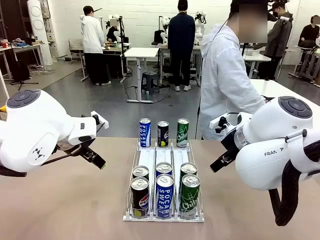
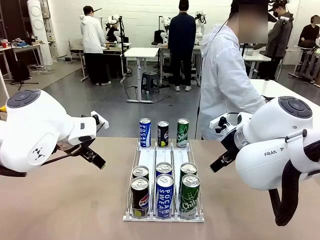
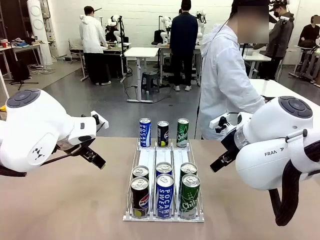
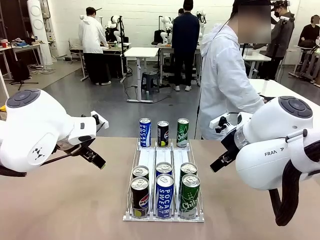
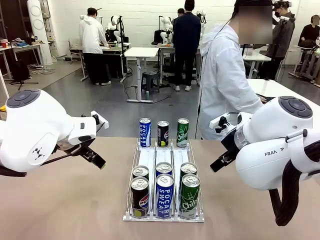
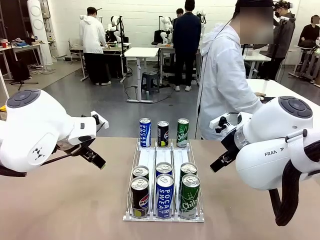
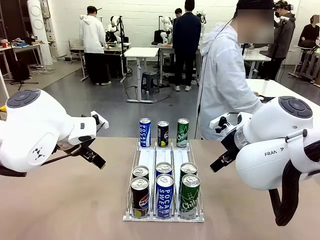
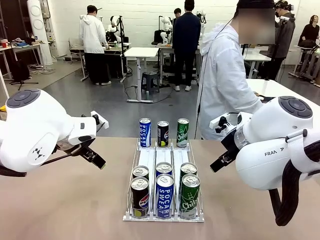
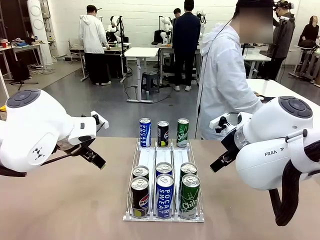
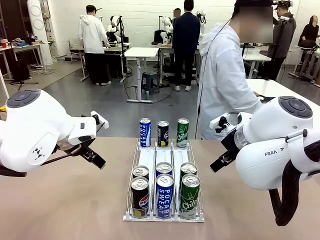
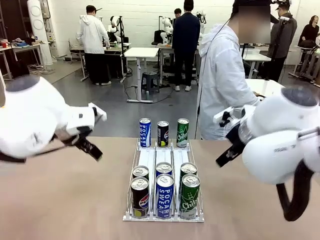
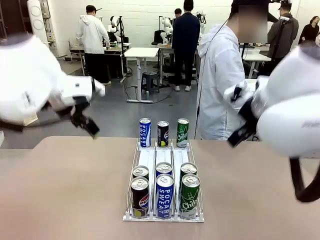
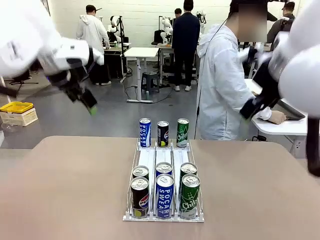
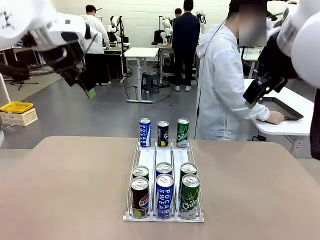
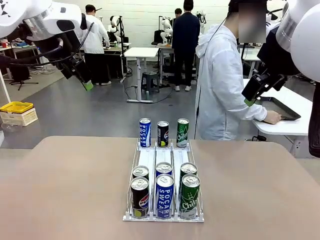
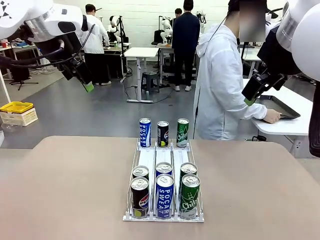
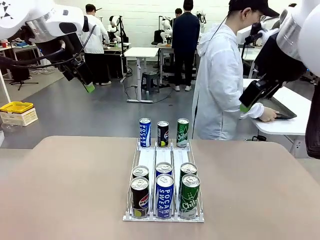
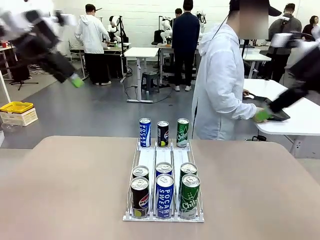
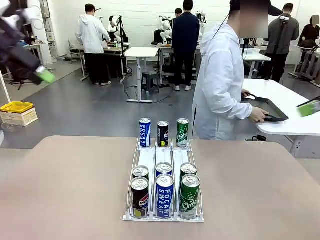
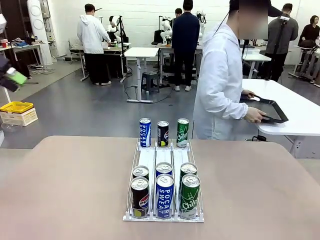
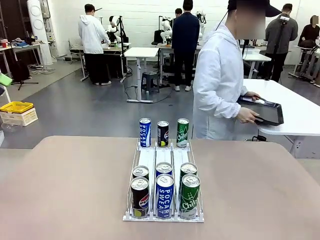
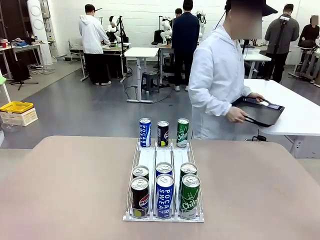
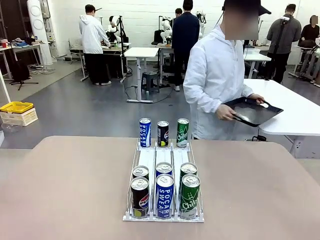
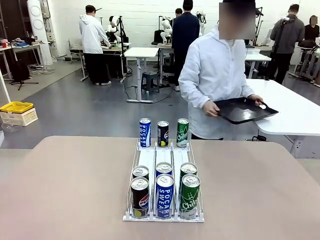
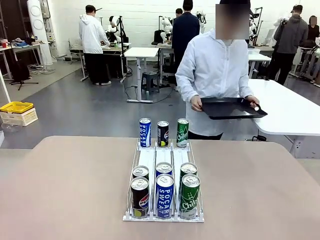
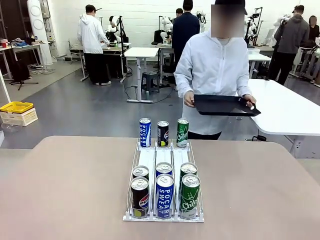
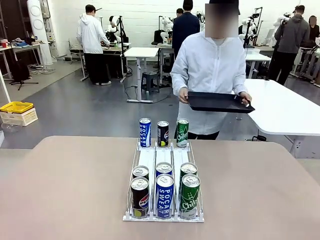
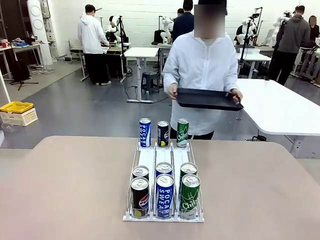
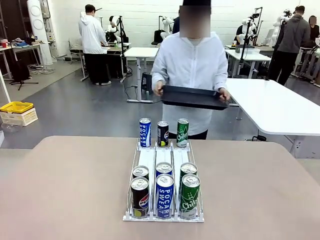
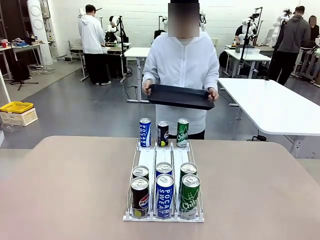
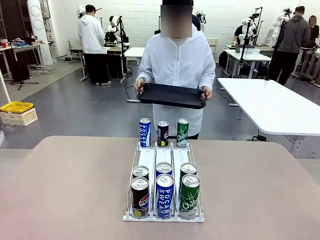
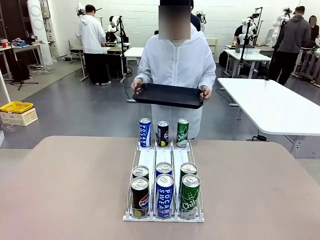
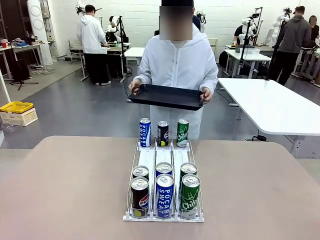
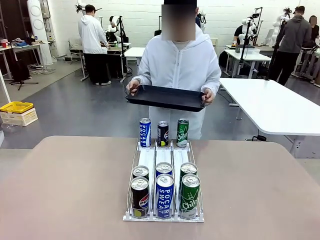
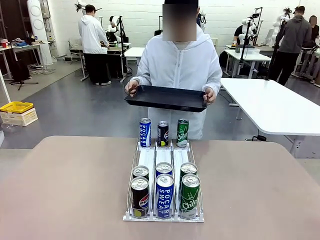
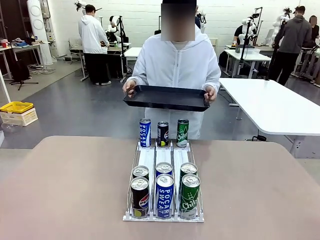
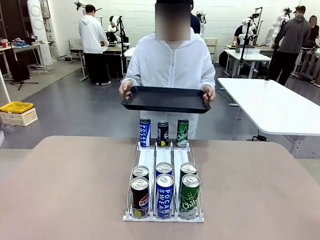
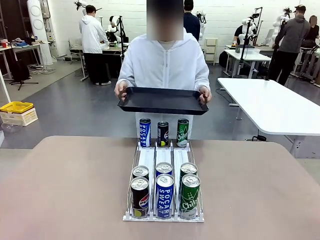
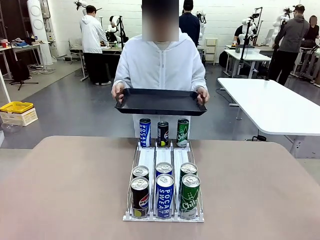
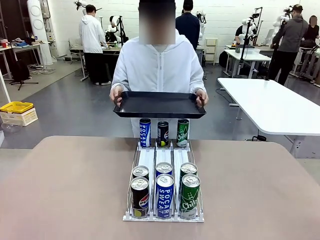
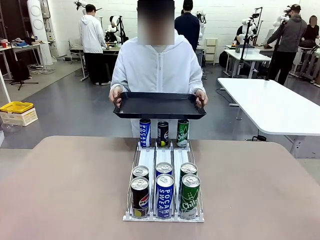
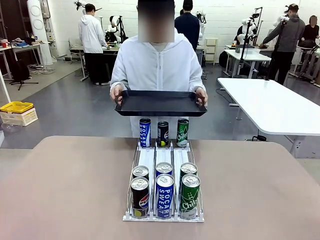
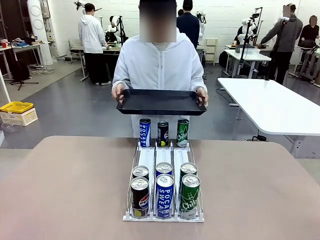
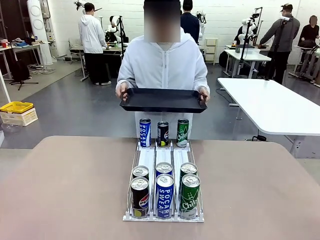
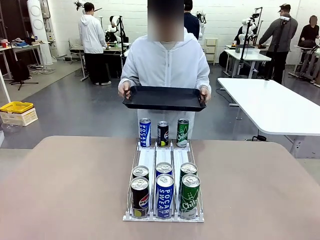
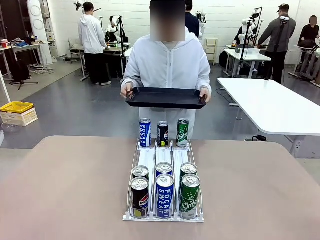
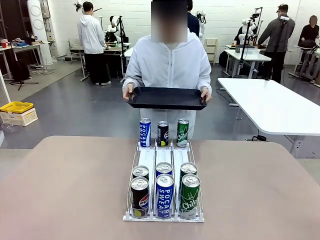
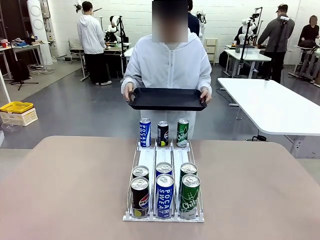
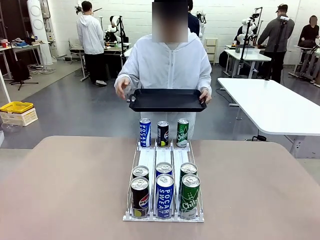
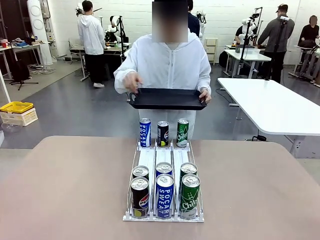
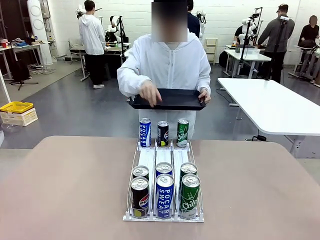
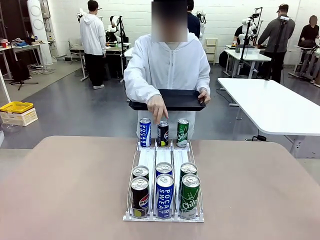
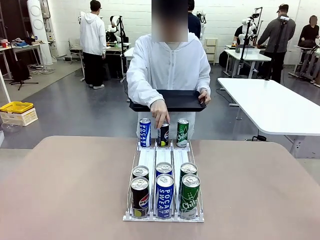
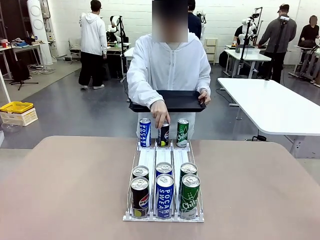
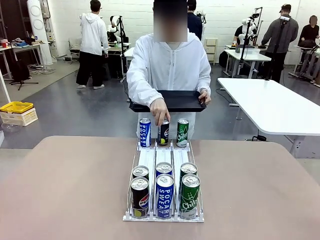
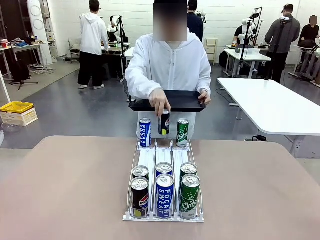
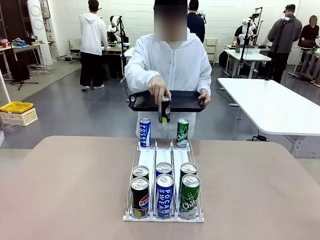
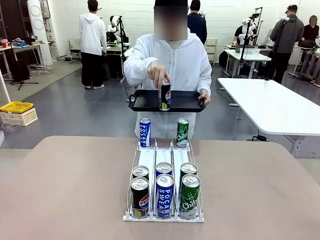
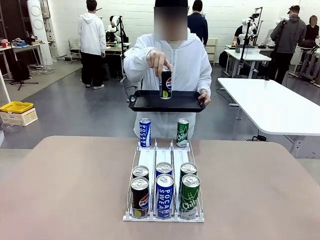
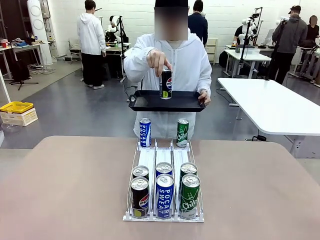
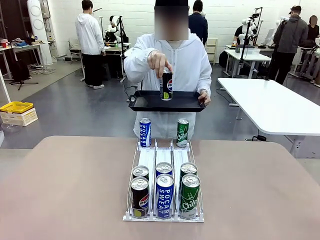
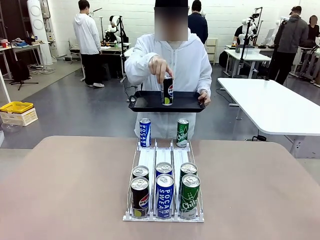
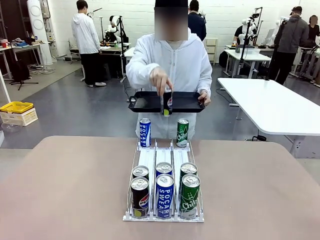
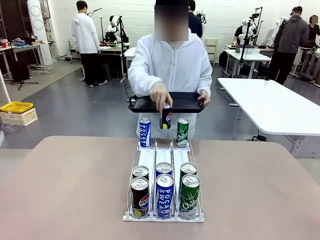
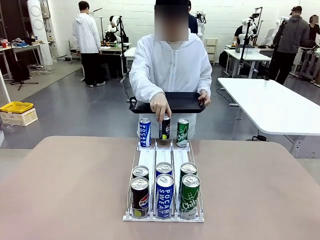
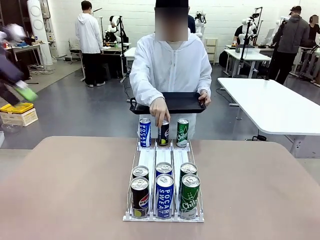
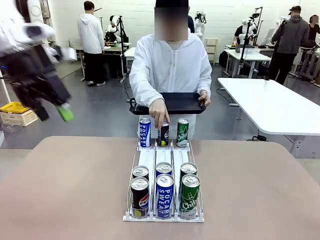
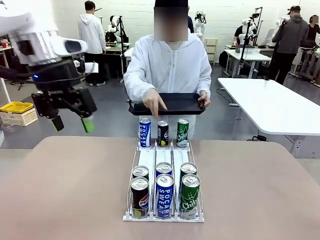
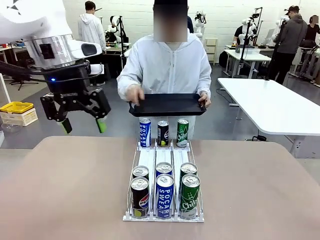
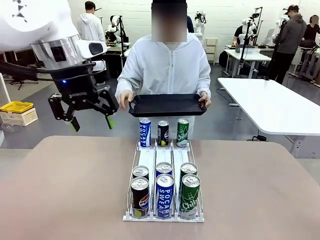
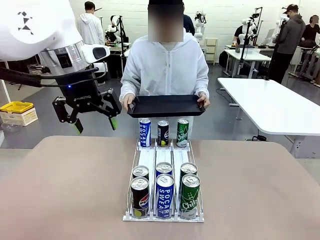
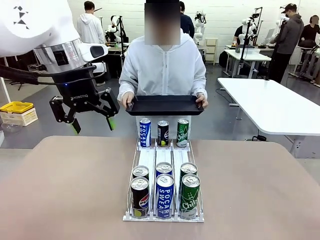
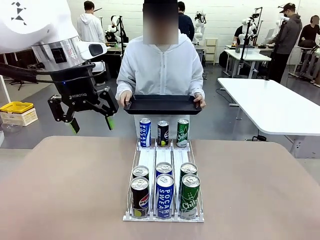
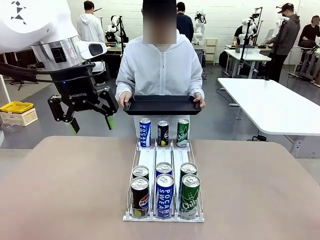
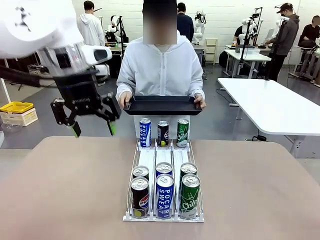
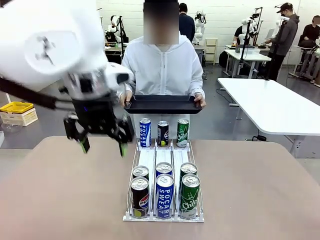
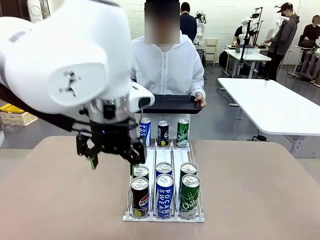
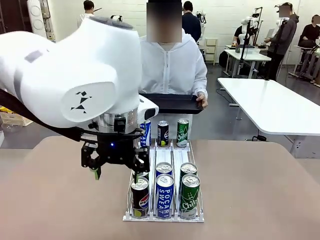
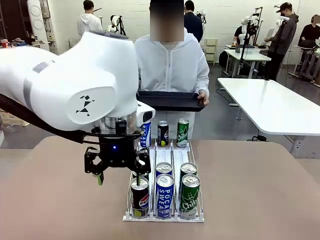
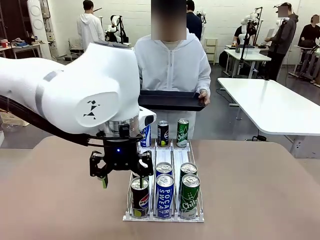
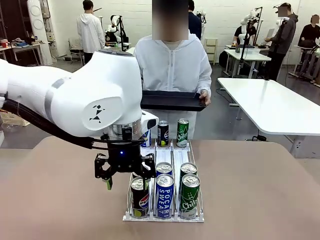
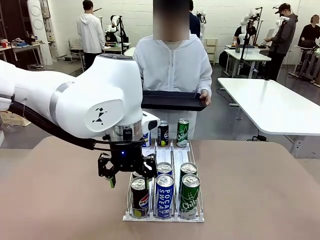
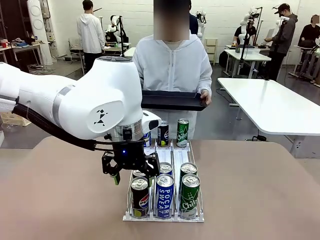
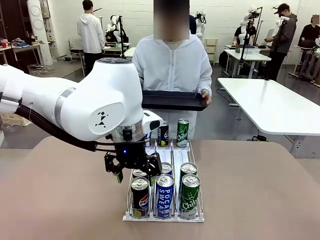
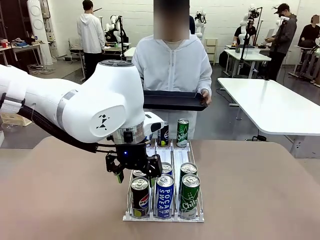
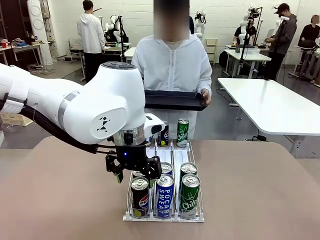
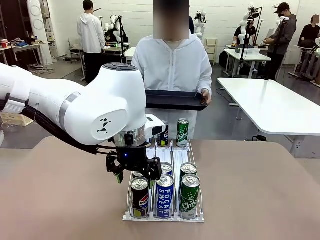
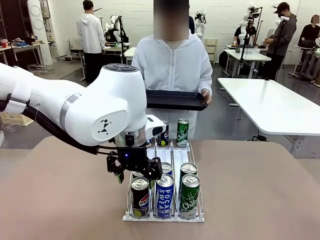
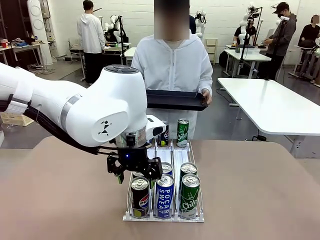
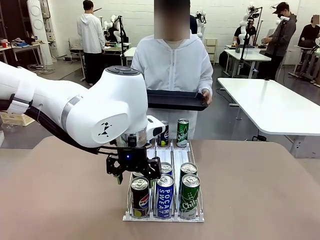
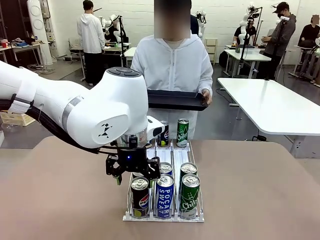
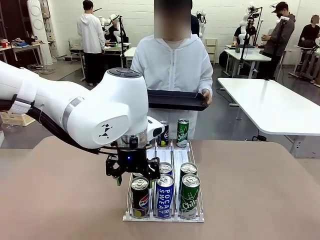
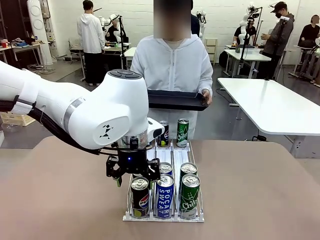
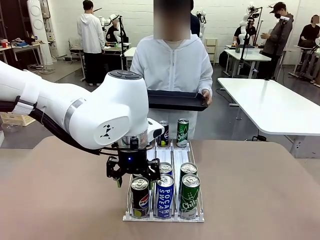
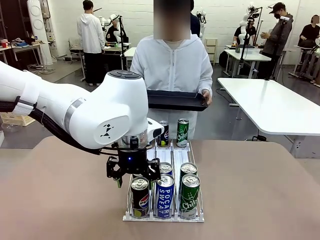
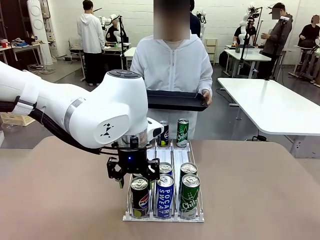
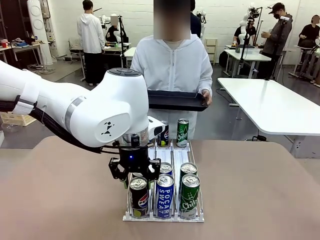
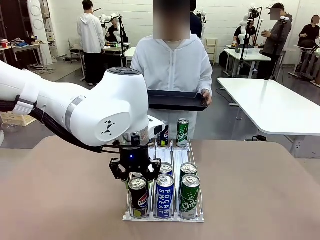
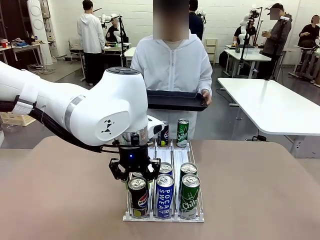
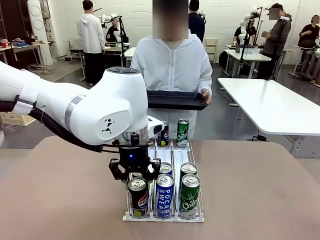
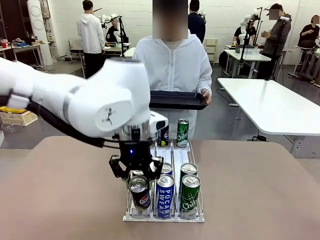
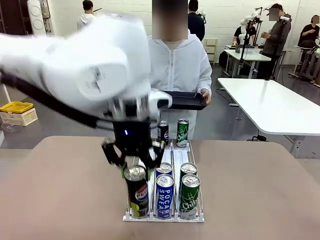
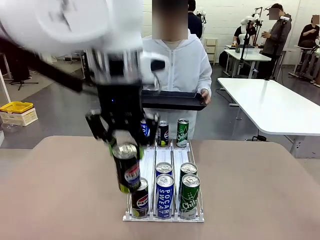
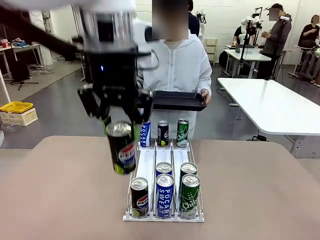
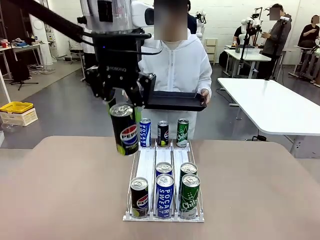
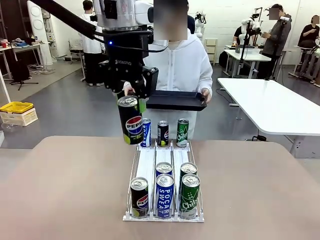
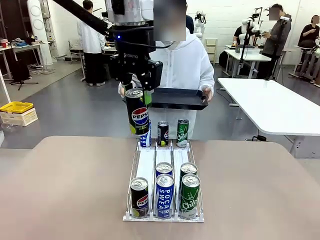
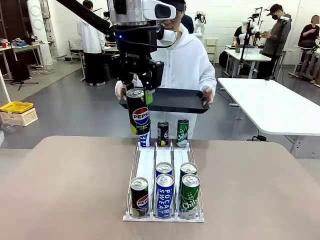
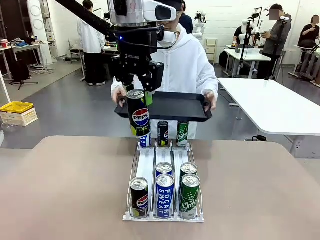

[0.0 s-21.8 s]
Task: Retrieve and hand over the desired beverage to the person.
Robot: Pick up a can of the same type that the person held from the Automatic Can Dispenser.
Person: Hold the tray and position yourself in front of the robot table. Pick up one can from the bottom area of the table and puts it back in its original place. Push the tray toward the robot.
